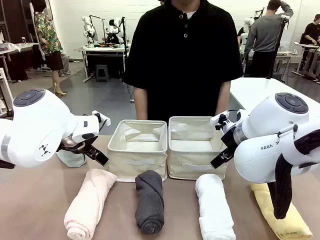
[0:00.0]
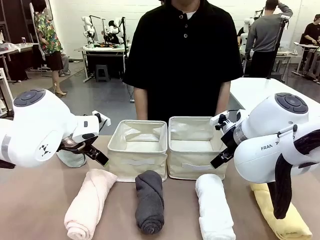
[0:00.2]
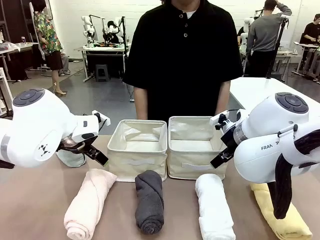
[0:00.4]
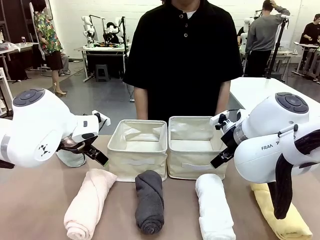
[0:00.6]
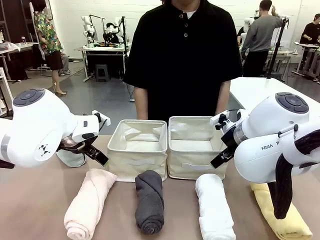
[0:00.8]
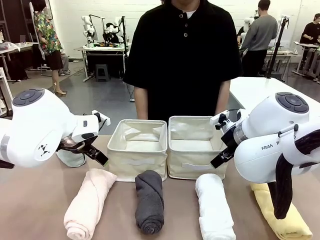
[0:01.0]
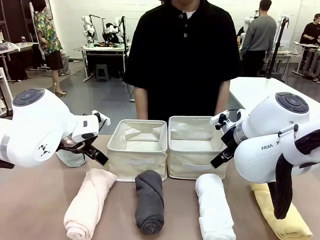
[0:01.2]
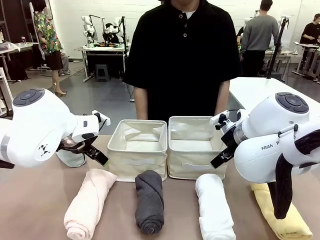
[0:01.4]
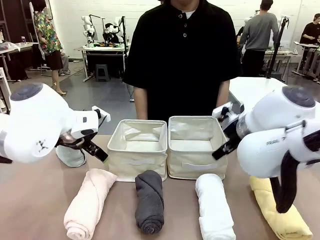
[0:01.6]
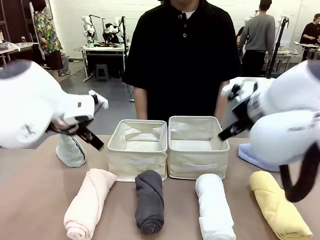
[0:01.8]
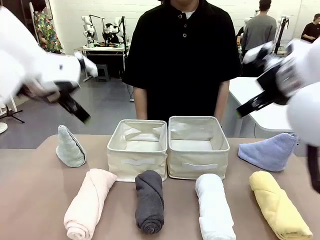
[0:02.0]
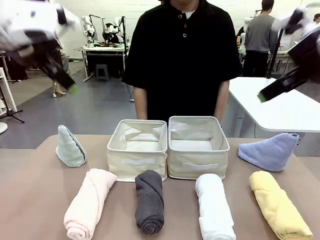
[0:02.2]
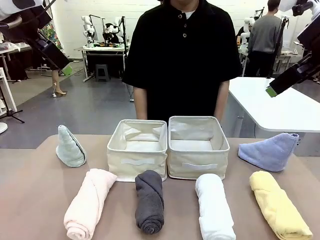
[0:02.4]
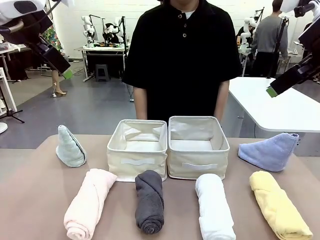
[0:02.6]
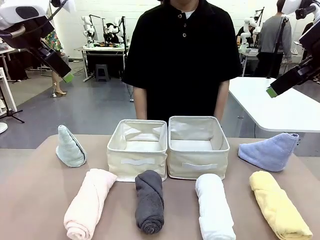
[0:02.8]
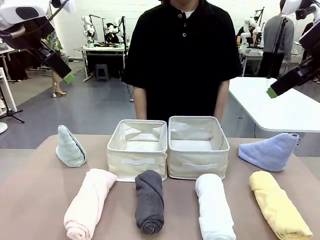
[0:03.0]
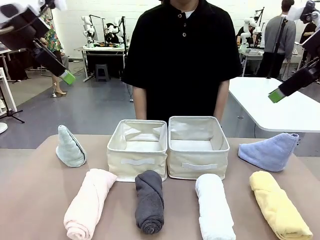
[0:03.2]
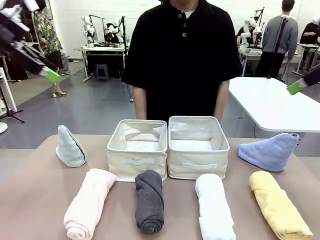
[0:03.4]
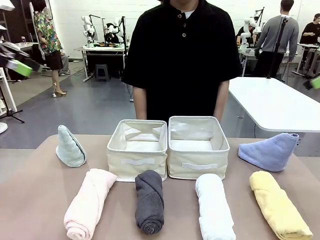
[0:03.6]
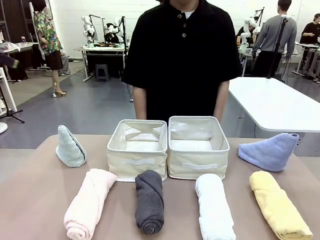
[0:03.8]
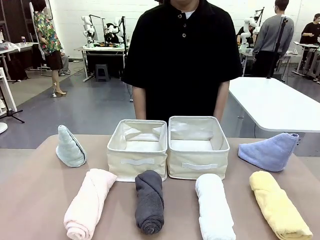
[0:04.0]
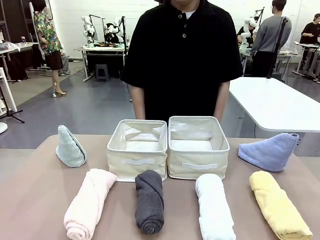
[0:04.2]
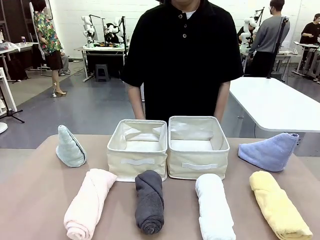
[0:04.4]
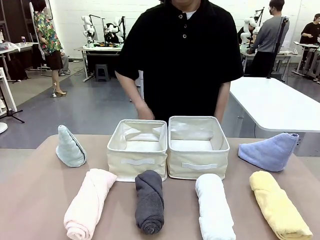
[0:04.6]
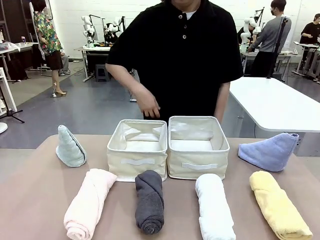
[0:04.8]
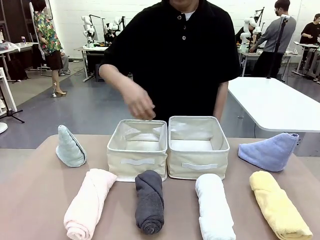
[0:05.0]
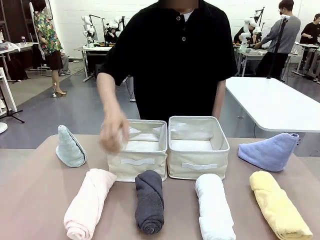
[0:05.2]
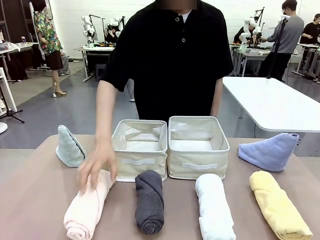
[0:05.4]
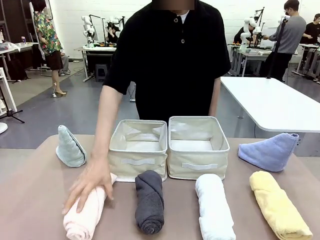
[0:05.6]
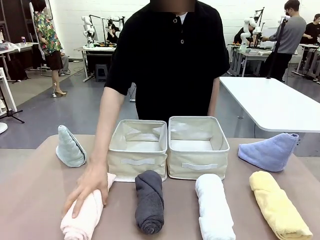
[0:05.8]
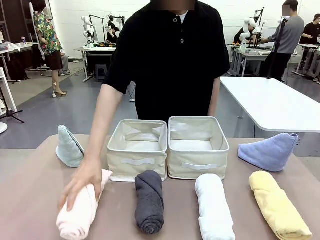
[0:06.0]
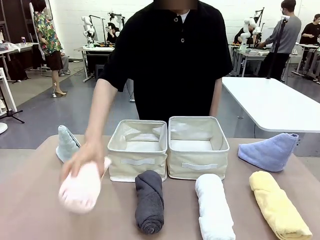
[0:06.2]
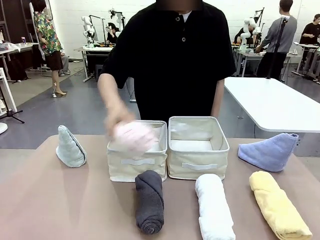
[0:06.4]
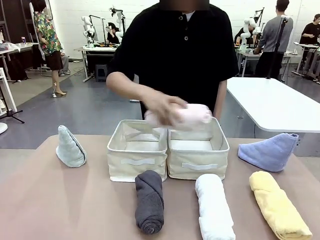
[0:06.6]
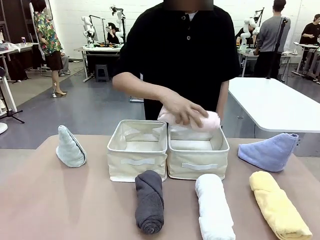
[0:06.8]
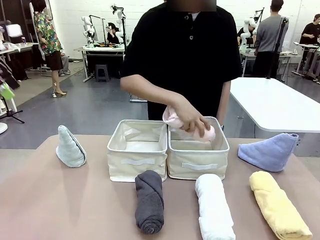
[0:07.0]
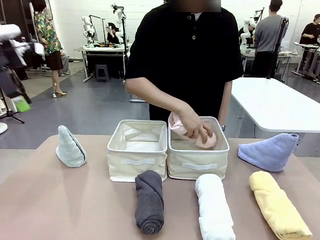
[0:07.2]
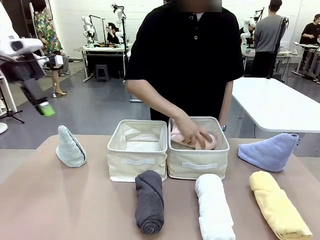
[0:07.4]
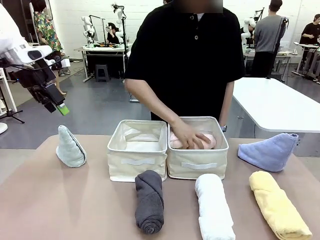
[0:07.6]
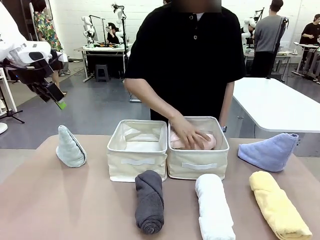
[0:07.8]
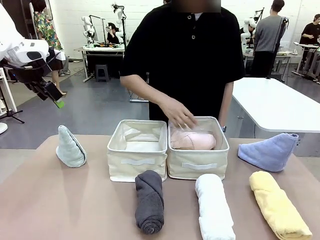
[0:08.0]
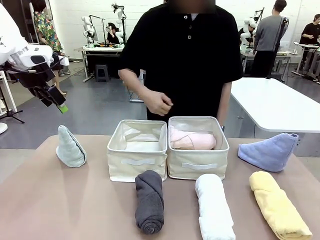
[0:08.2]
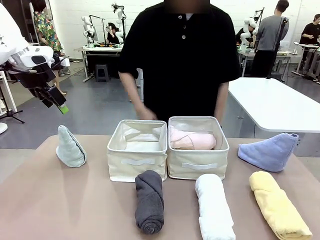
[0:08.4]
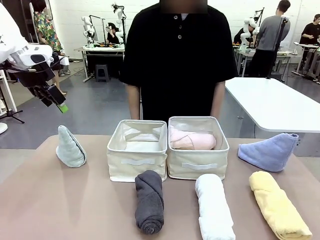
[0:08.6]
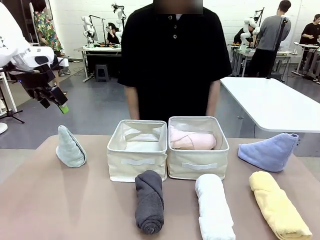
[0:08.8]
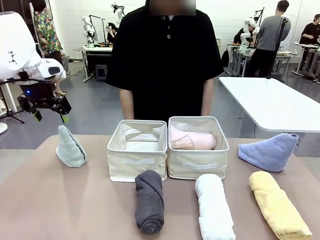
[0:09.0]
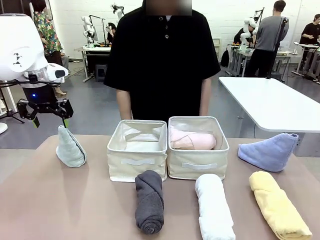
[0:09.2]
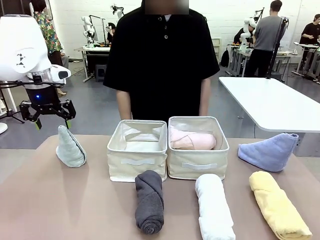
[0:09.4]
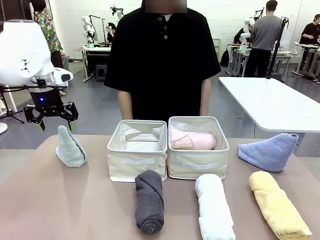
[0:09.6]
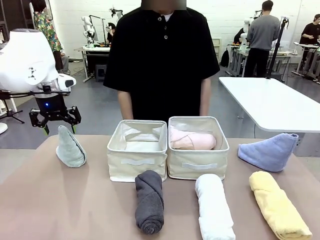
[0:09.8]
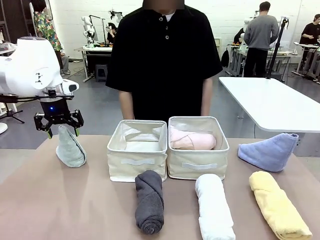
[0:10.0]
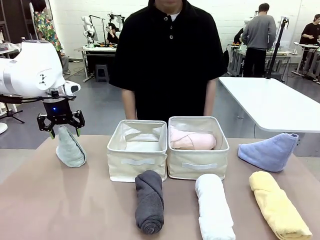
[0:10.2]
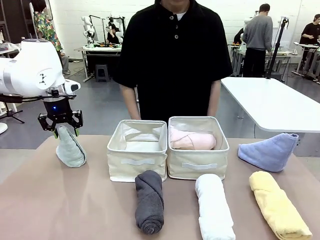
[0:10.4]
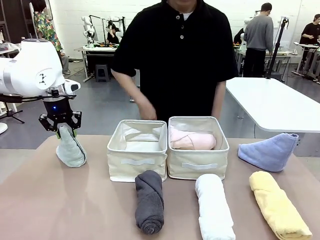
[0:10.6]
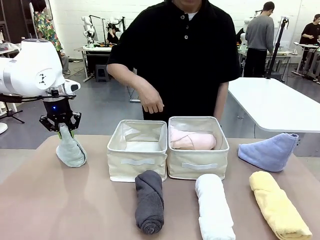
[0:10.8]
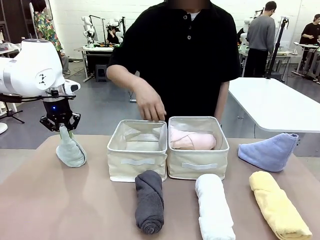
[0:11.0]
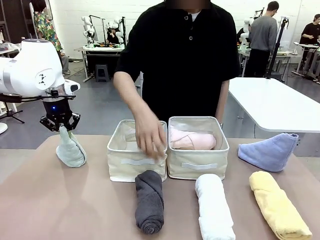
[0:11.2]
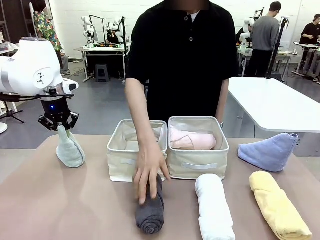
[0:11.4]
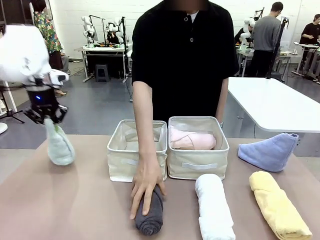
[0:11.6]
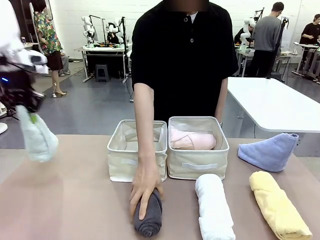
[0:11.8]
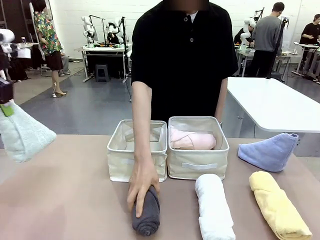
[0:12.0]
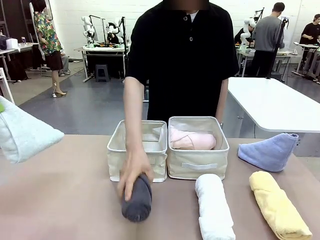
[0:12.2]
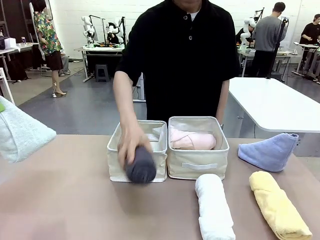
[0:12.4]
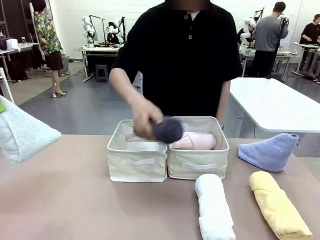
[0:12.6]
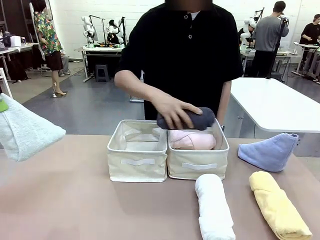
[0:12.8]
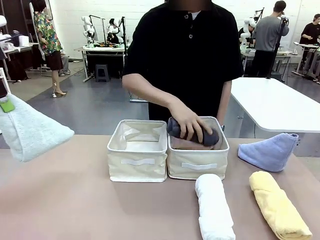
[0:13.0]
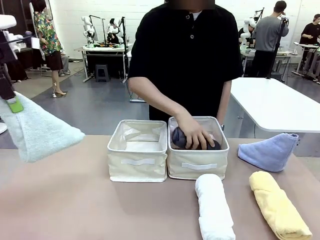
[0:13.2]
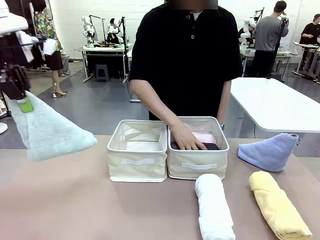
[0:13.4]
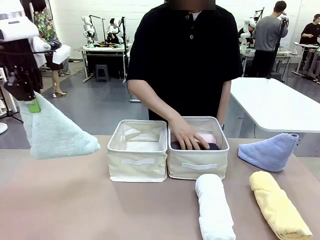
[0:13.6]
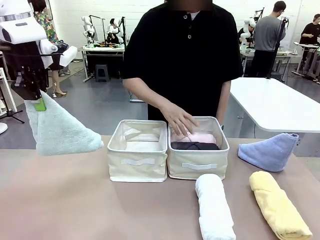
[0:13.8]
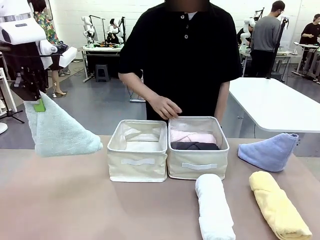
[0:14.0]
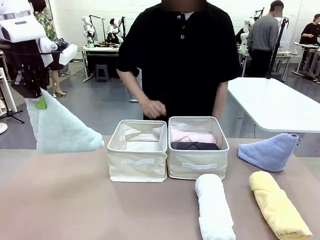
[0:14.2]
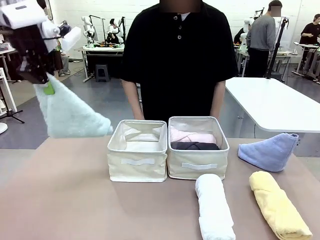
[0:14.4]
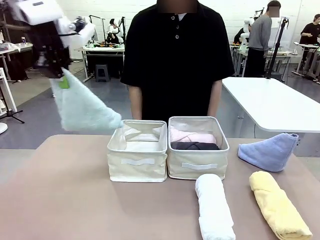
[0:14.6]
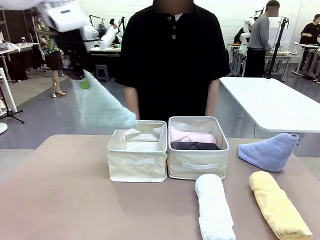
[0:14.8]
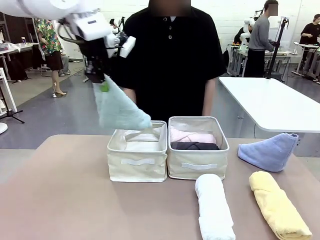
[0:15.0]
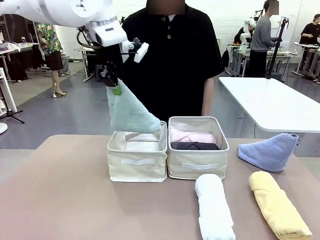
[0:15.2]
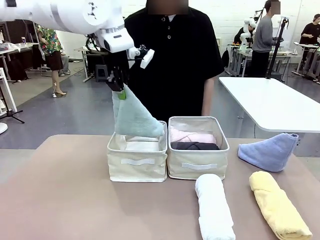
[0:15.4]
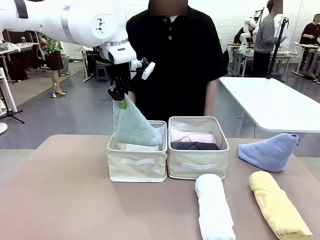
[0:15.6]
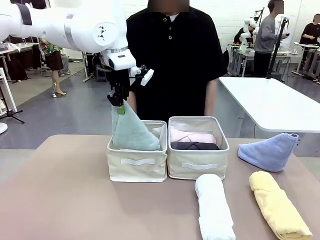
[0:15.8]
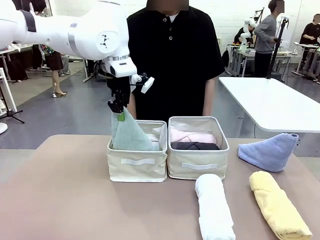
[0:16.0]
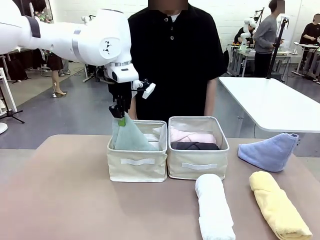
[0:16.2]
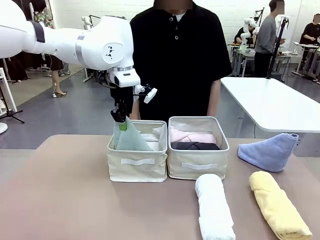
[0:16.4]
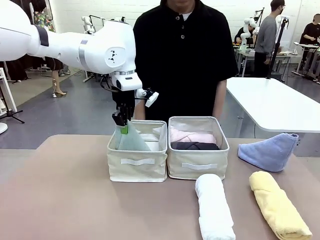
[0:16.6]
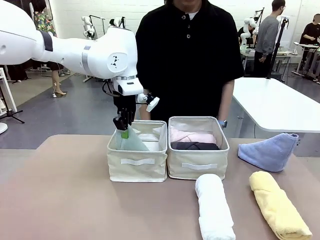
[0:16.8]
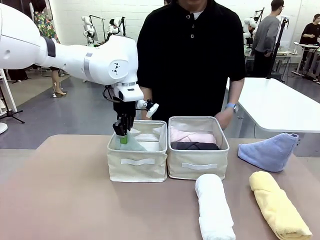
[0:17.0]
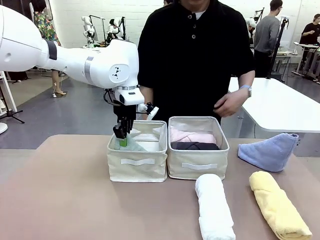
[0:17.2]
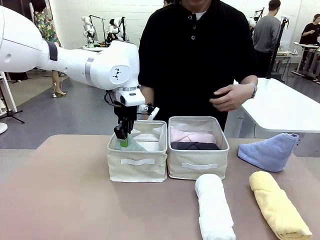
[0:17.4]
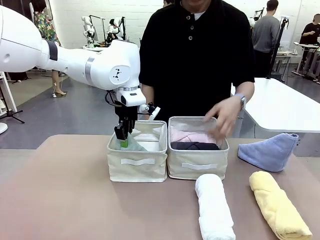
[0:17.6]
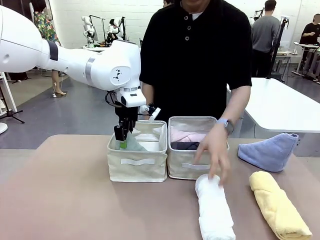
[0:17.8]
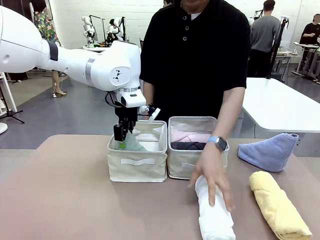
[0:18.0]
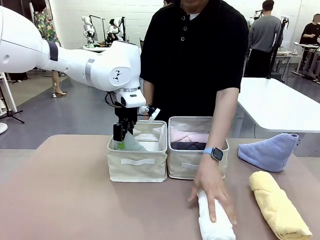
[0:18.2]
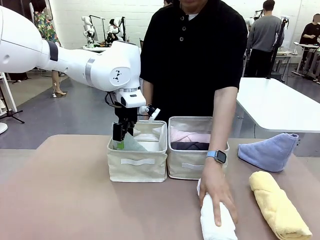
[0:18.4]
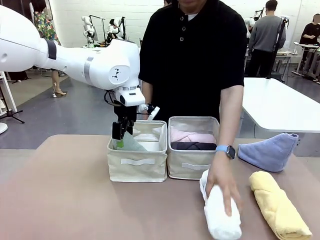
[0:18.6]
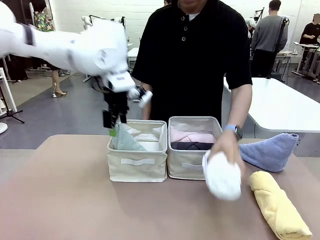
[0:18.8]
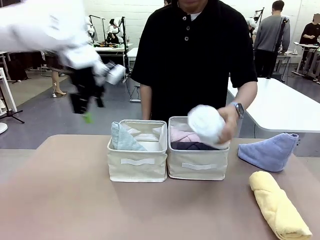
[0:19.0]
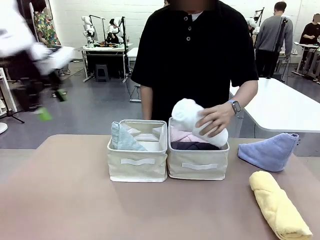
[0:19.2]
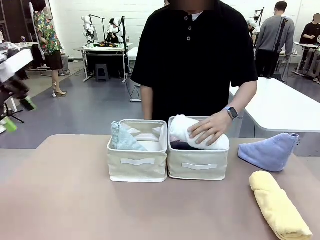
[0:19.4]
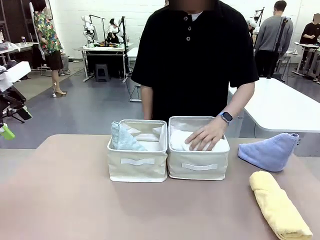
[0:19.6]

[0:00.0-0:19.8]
Task: Sort the towels based on their folding style.
Robot: Pick up one triangle-folded towel and place it in the left Fabric basket.
Person: Pick up one hotel-style rolled towel and place it in the left fabric basket.
